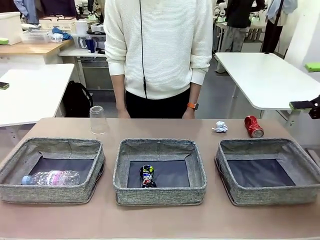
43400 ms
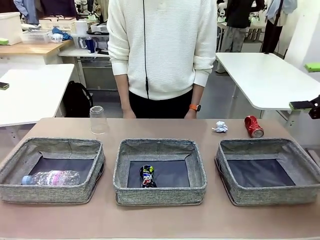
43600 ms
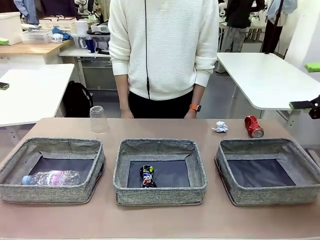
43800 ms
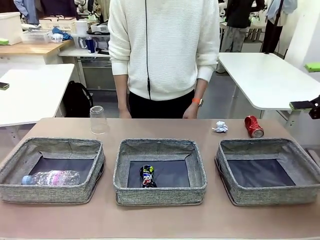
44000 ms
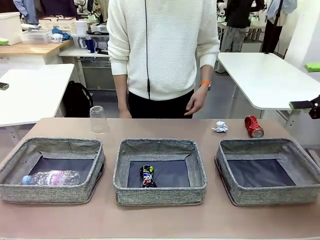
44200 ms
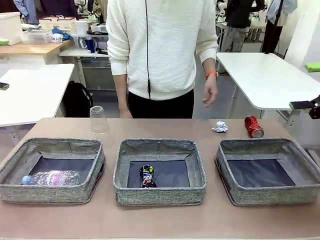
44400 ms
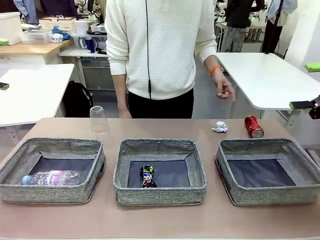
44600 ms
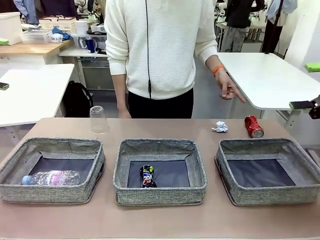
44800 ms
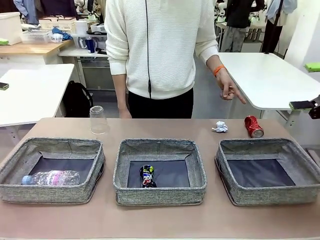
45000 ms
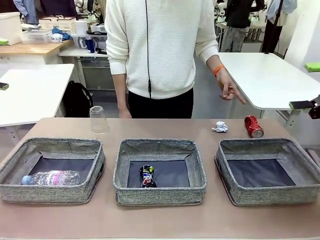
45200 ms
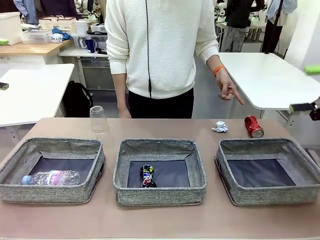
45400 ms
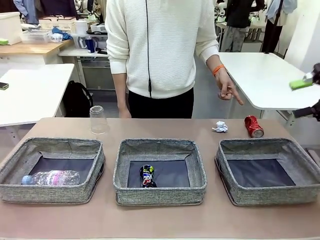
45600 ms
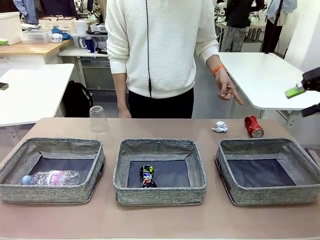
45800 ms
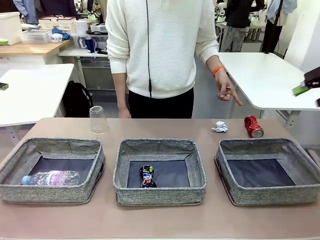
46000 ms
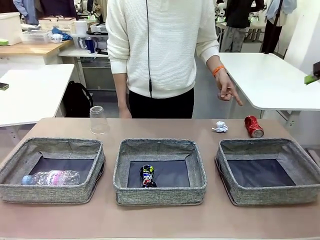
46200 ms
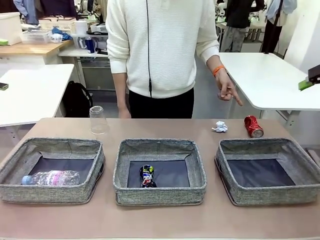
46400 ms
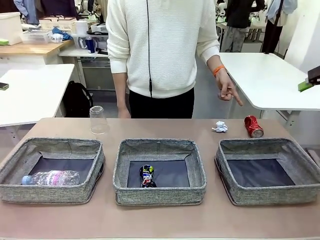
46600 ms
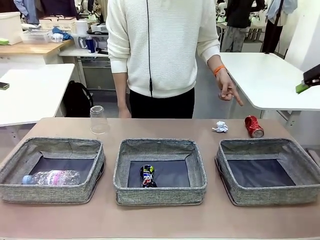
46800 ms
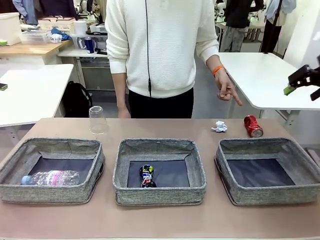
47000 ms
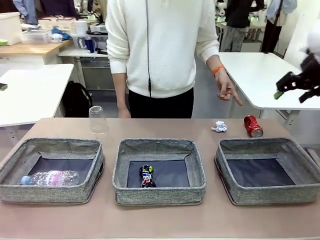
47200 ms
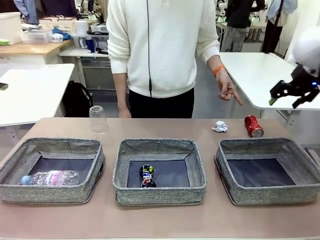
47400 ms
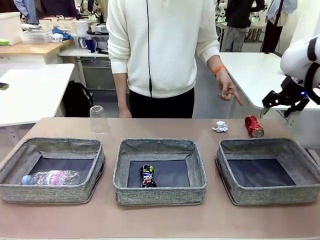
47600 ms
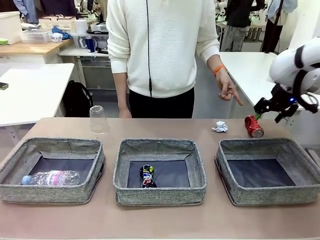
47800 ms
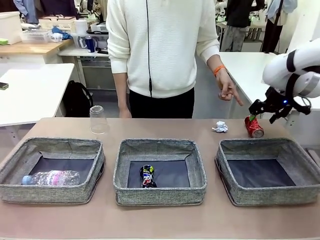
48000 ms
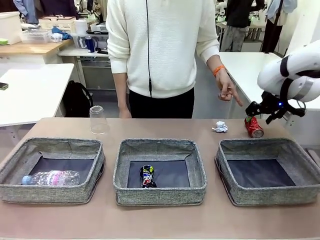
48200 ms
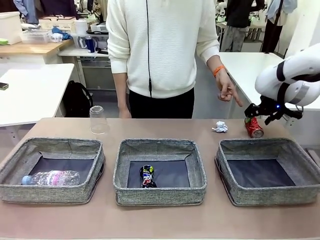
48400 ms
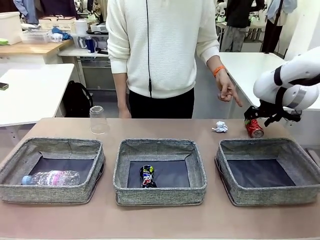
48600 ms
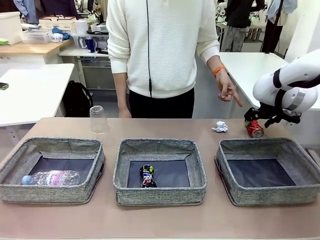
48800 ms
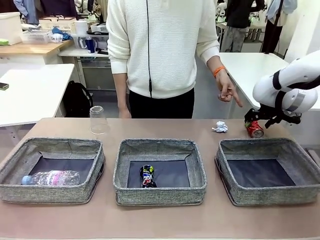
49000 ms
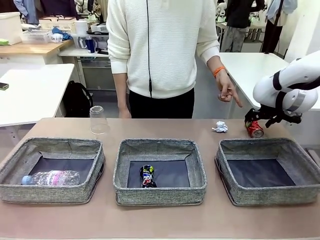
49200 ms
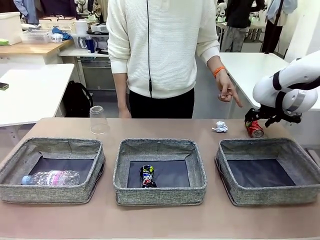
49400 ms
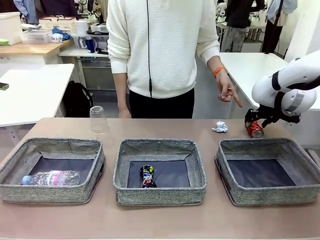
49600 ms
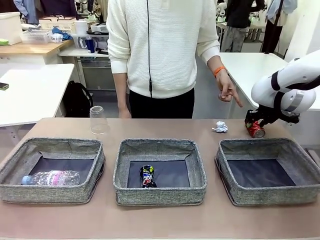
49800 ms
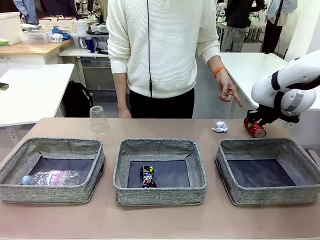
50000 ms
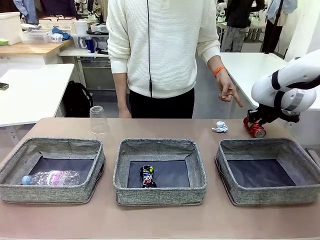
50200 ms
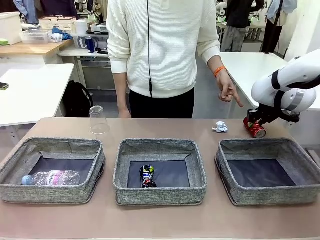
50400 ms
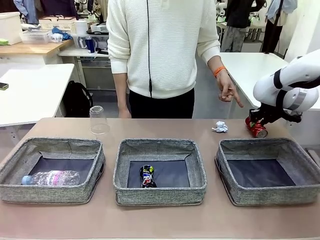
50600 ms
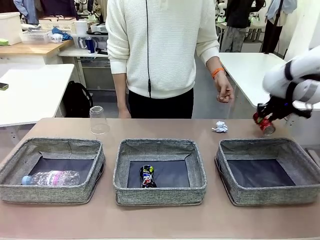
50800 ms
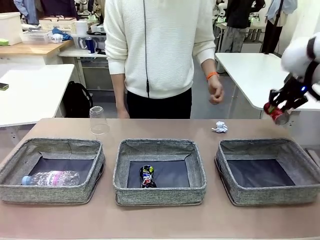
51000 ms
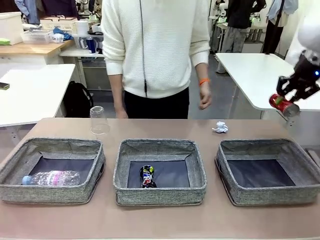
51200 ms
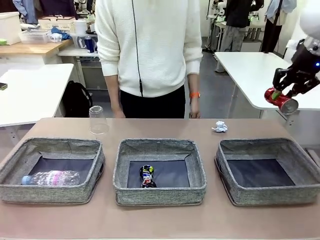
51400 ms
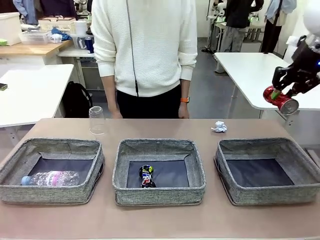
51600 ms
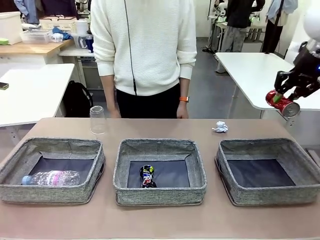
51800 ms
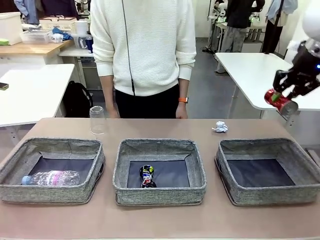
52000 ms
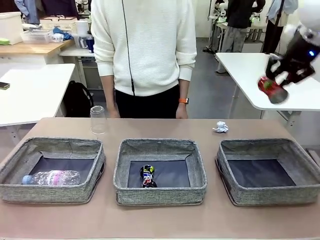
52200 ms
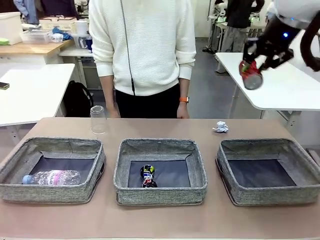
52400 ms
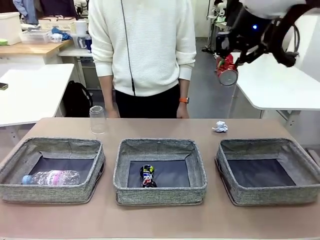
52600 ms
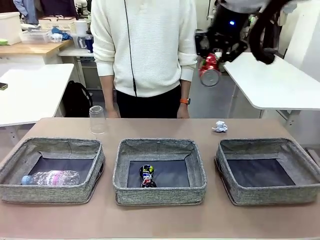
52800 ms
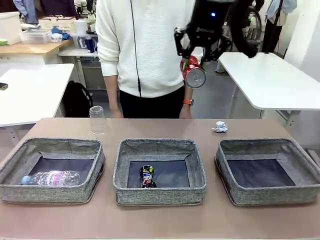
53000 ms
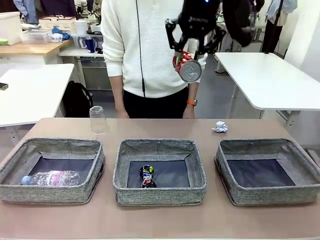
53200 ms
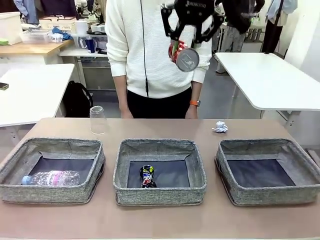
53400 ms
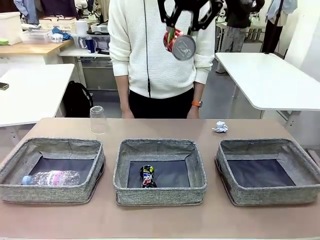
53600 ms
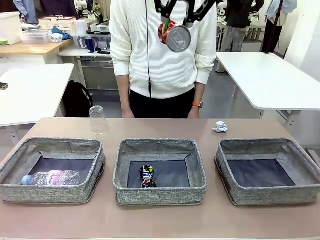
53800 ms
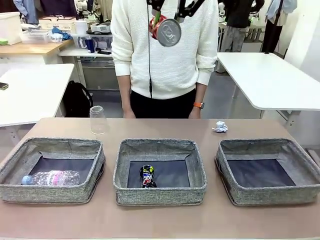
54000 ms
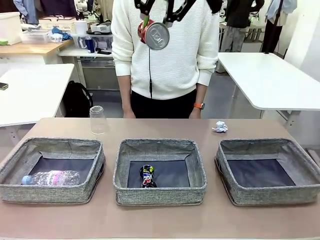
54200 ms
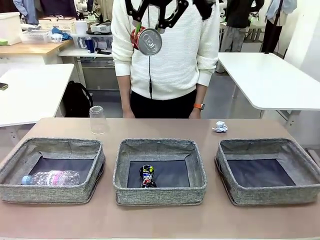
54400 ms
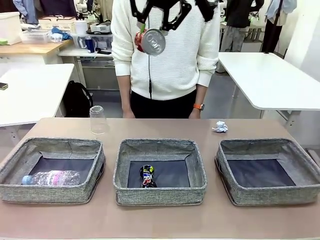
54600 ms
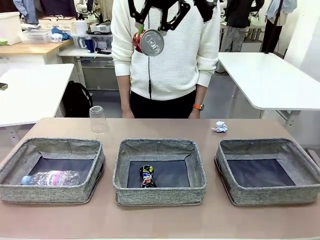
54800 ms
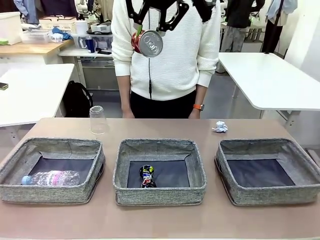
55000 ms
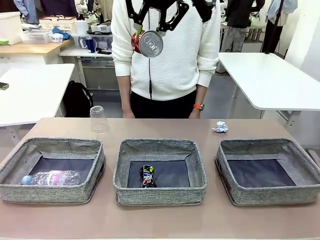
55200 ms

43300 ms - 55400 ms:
Task: Sort the waste into the appropriate baskets.
Robot: Pick up the waste item pointed out by the person.
Person: Points to one piece of trash on the table.

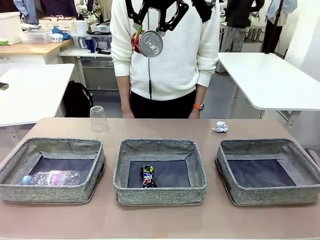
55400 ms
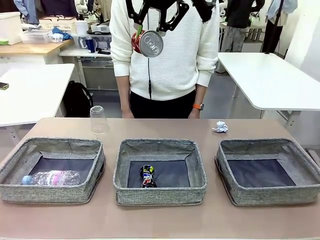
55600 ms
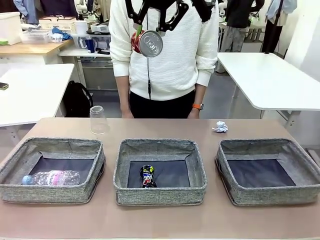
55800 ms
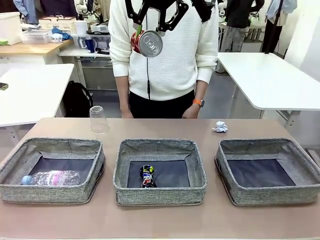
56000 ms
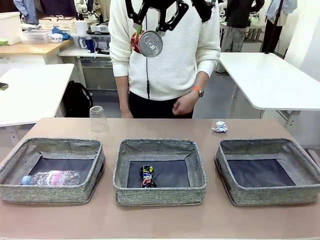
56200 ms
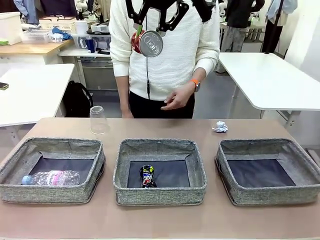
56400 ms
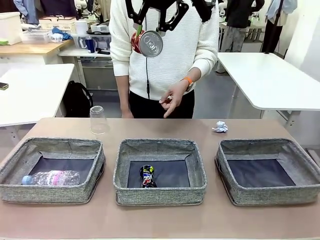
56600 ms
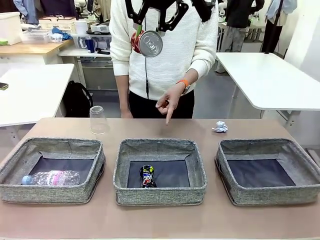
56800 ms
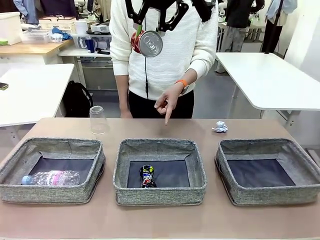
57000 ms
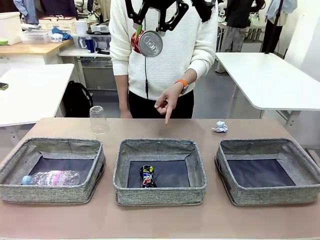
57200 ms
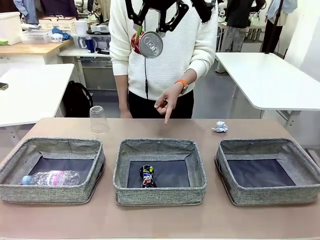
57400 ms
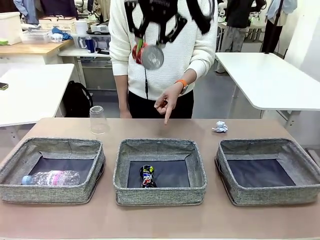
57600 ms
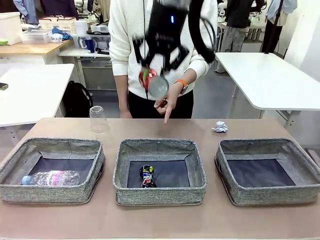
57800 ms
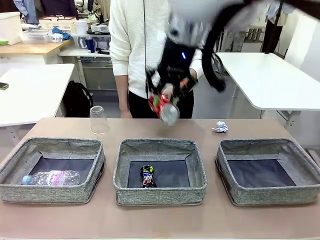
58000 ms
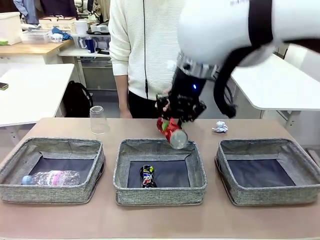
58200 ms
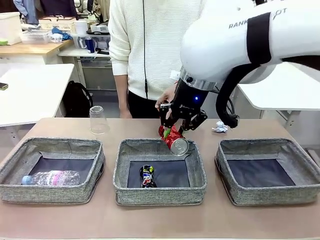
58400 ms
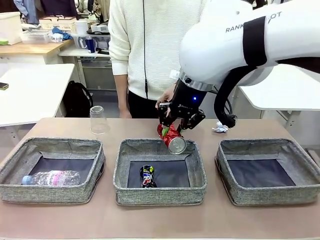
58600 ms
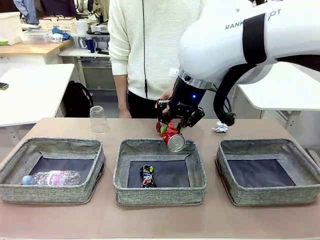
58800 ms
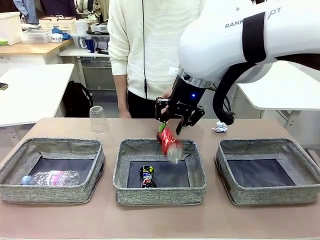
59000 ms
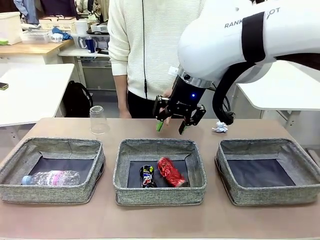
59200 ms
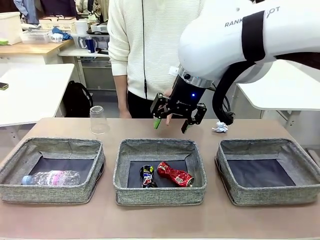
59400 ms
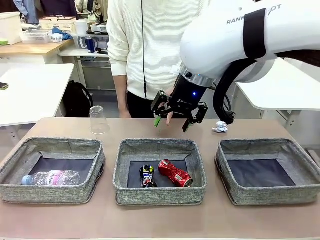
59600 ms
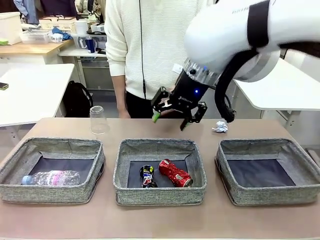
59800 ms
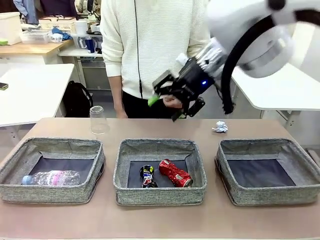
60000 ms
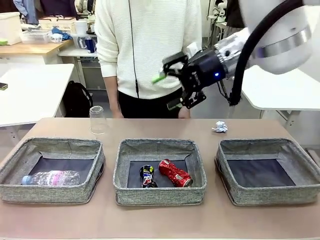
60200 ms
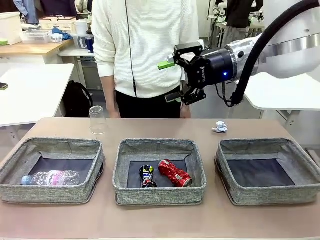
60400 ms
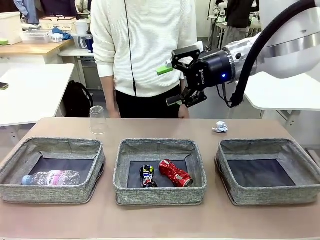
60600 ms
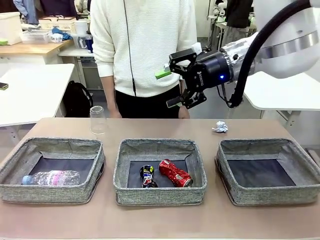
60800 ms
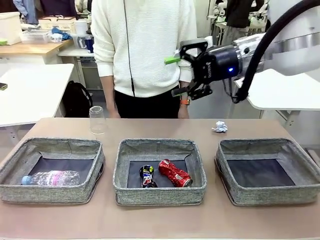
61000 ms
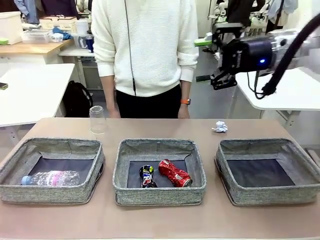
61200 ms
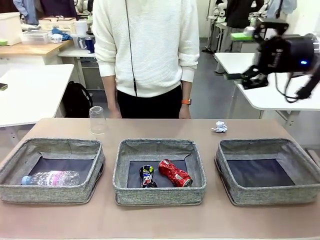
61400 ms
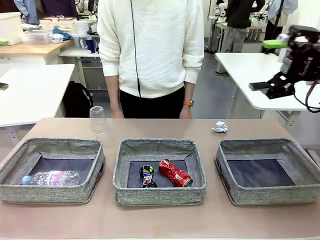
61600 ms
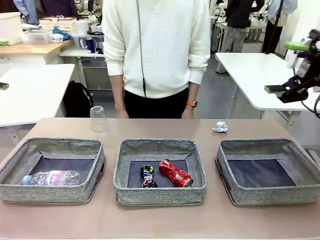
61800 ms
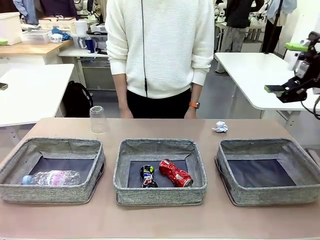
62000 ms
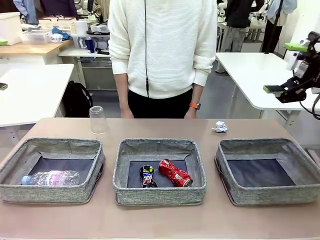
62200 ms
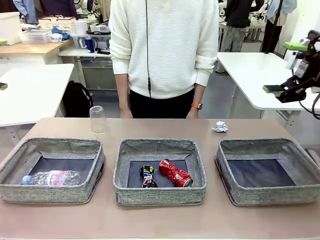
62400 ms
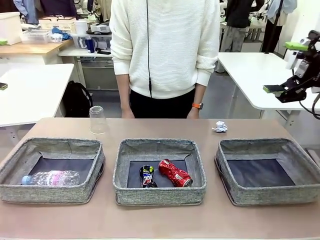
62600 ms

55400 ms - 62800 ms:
Robot: Place the picked waste into the Fabric basket indicated by the person.
Person: Instructs the robot to place the picked-up trash into the appropriate organizing basket.
